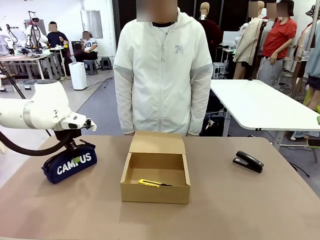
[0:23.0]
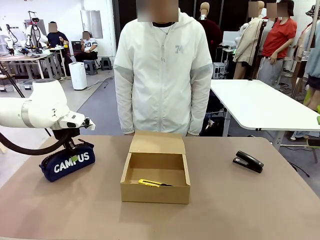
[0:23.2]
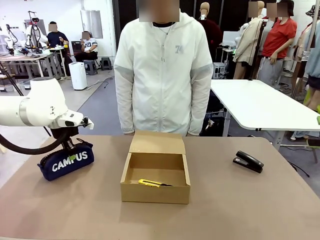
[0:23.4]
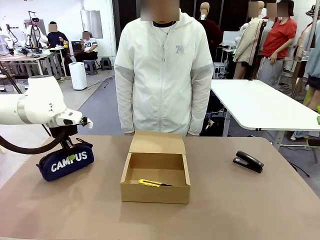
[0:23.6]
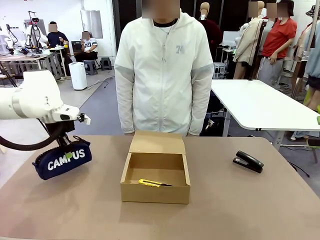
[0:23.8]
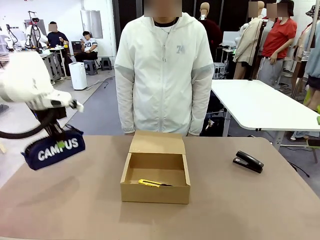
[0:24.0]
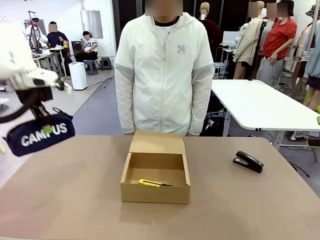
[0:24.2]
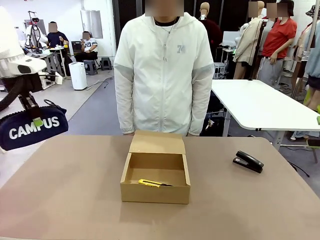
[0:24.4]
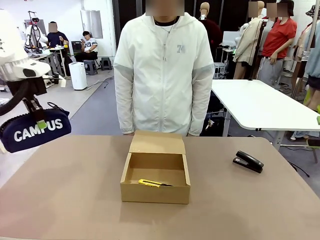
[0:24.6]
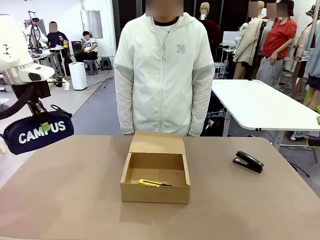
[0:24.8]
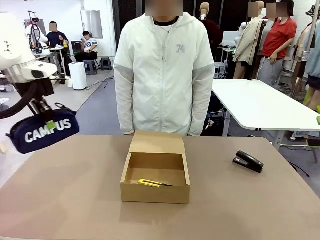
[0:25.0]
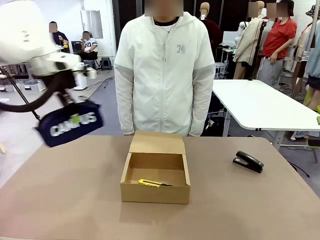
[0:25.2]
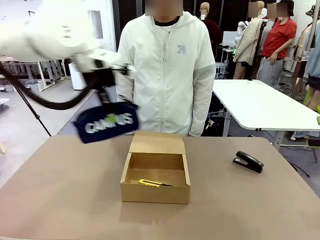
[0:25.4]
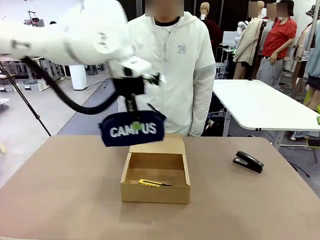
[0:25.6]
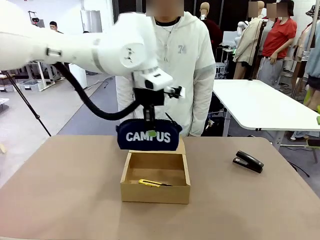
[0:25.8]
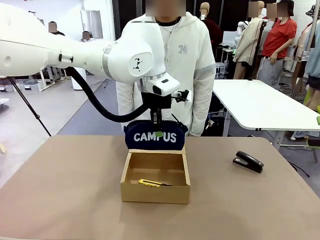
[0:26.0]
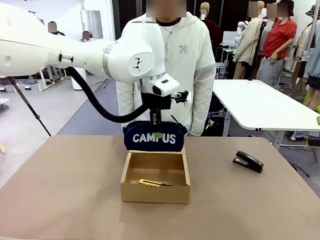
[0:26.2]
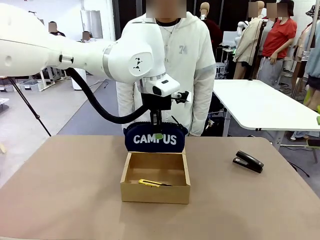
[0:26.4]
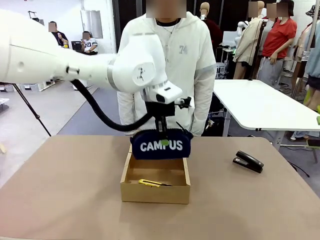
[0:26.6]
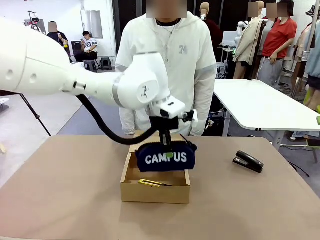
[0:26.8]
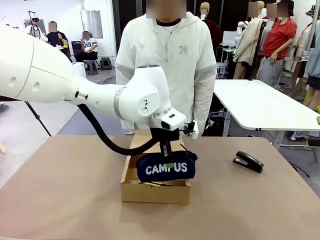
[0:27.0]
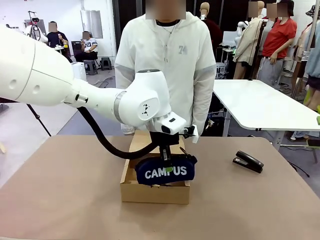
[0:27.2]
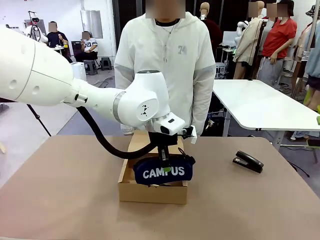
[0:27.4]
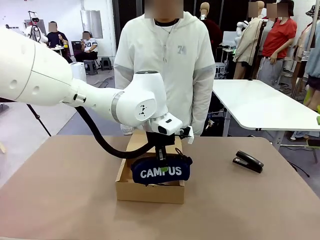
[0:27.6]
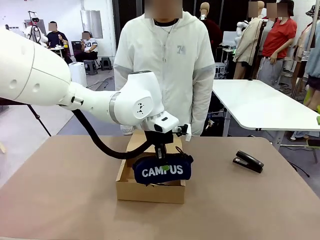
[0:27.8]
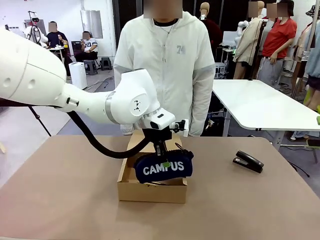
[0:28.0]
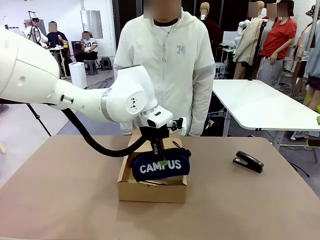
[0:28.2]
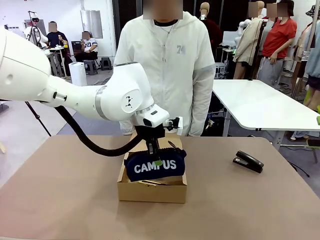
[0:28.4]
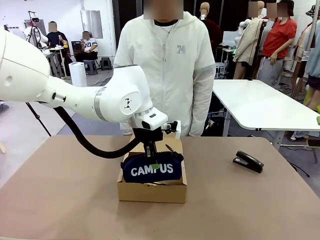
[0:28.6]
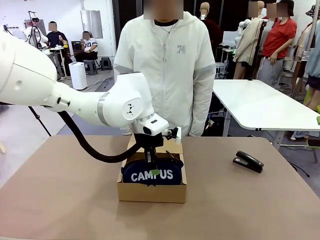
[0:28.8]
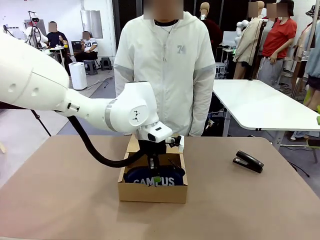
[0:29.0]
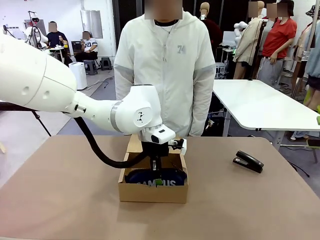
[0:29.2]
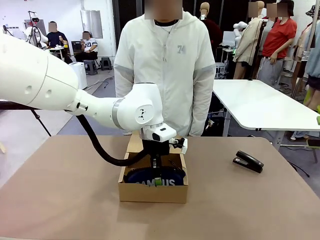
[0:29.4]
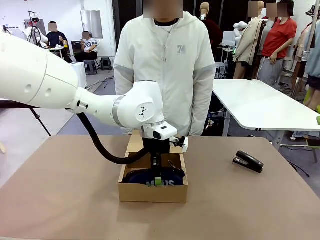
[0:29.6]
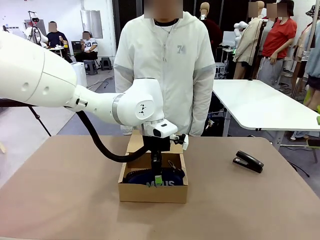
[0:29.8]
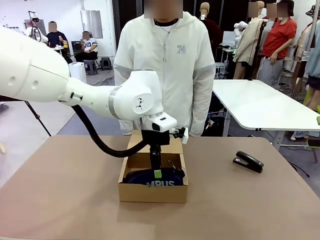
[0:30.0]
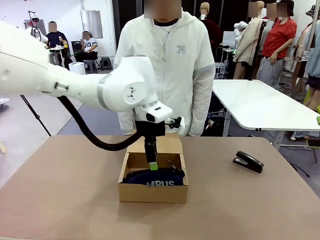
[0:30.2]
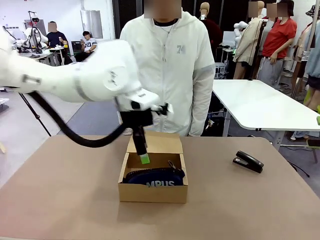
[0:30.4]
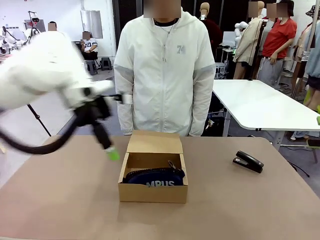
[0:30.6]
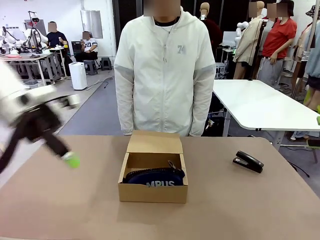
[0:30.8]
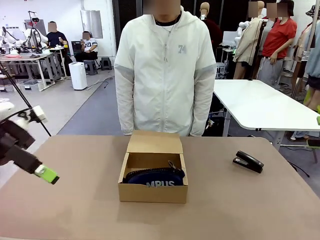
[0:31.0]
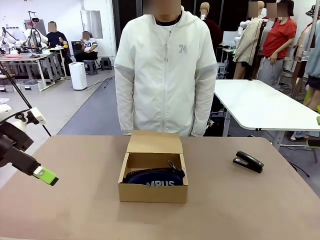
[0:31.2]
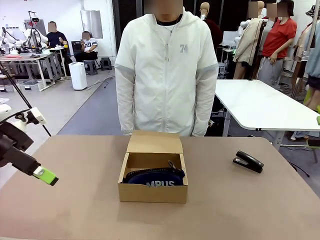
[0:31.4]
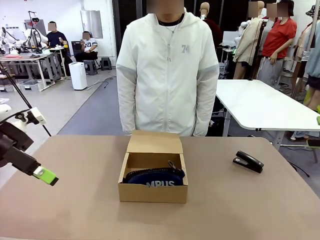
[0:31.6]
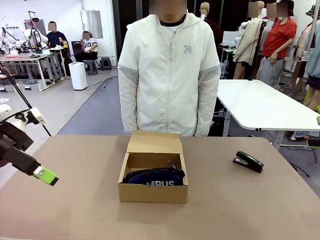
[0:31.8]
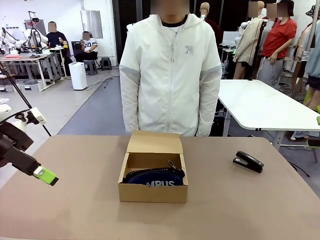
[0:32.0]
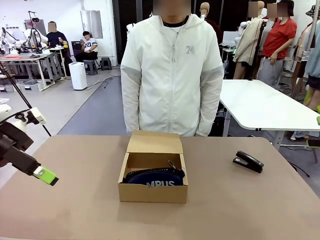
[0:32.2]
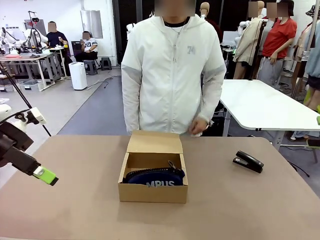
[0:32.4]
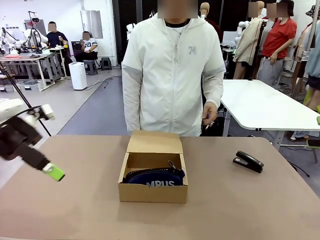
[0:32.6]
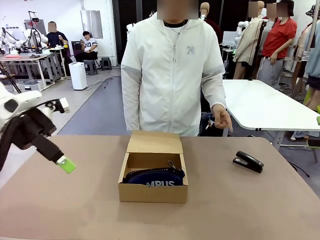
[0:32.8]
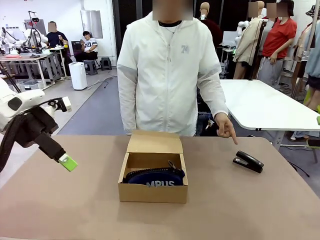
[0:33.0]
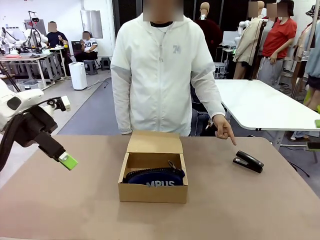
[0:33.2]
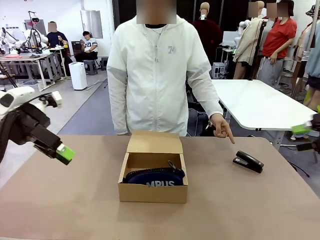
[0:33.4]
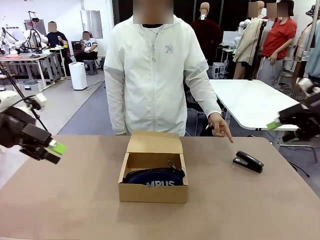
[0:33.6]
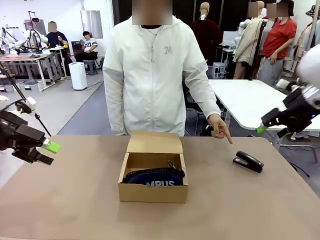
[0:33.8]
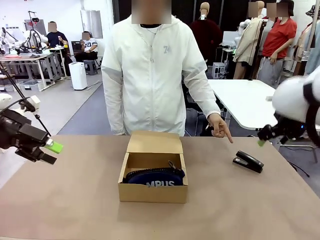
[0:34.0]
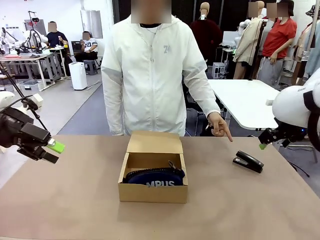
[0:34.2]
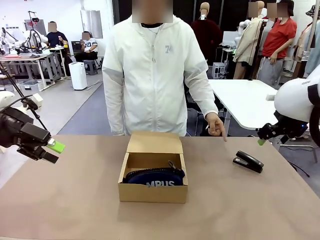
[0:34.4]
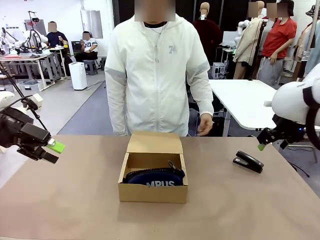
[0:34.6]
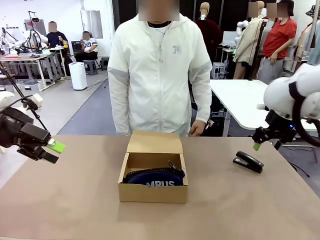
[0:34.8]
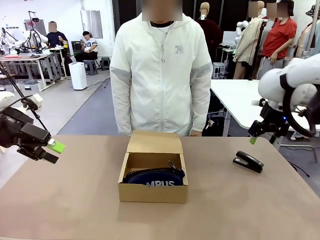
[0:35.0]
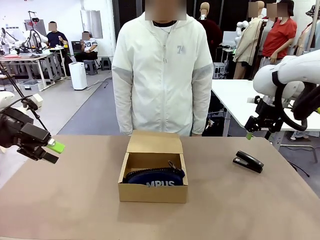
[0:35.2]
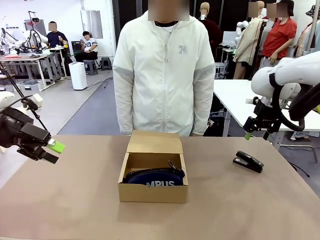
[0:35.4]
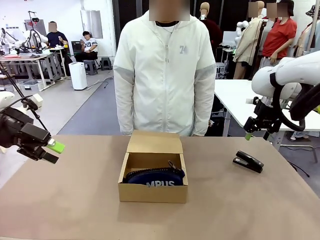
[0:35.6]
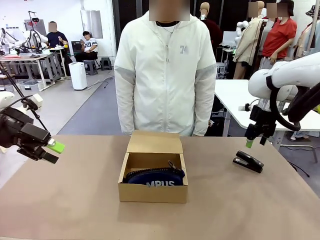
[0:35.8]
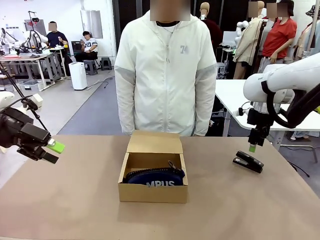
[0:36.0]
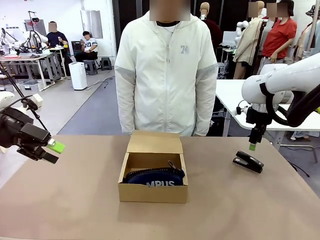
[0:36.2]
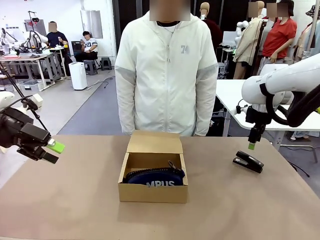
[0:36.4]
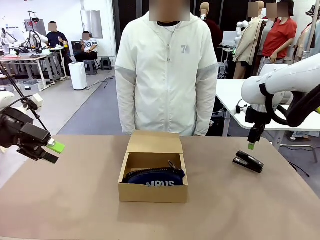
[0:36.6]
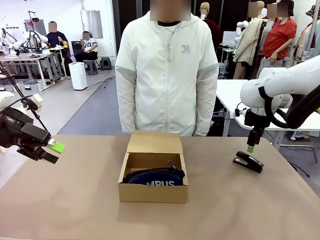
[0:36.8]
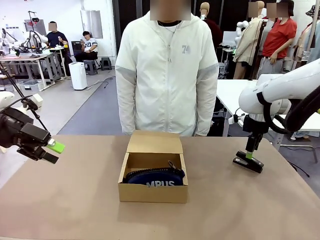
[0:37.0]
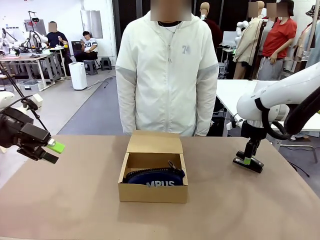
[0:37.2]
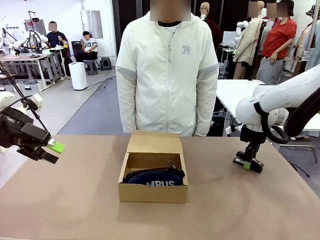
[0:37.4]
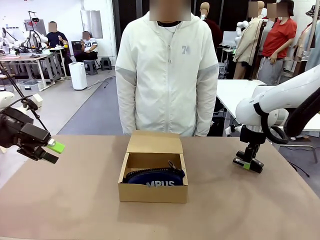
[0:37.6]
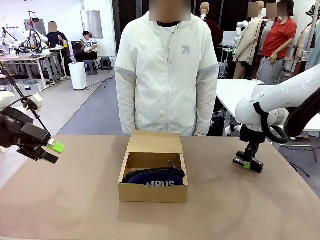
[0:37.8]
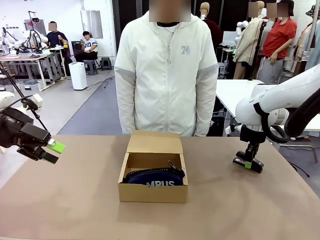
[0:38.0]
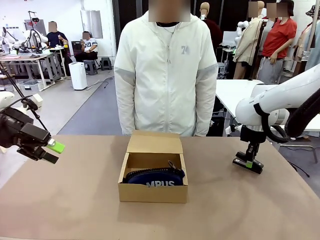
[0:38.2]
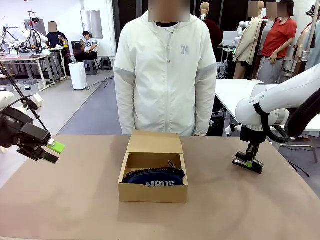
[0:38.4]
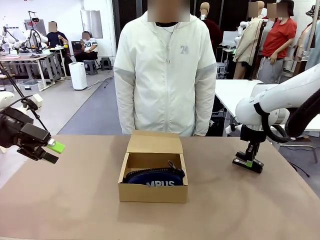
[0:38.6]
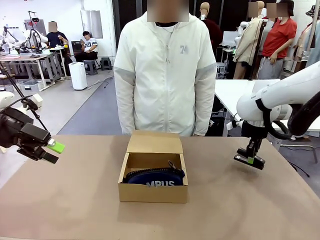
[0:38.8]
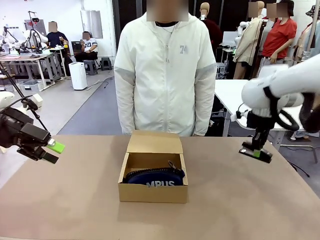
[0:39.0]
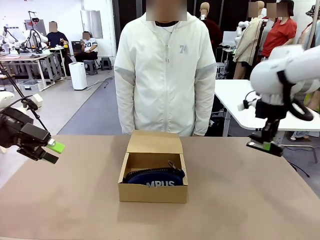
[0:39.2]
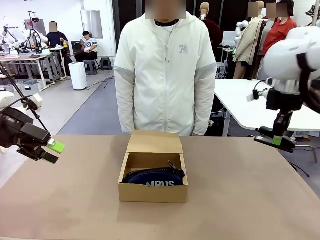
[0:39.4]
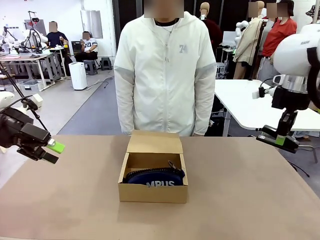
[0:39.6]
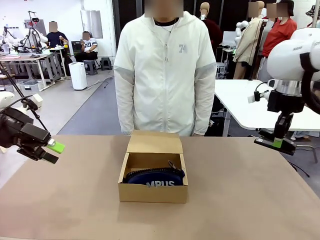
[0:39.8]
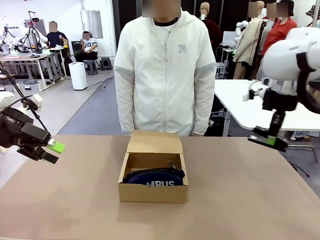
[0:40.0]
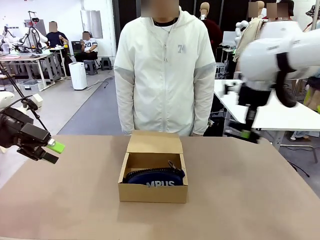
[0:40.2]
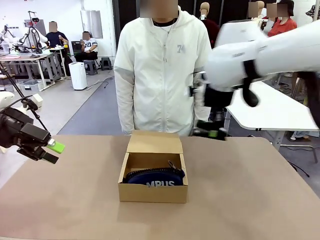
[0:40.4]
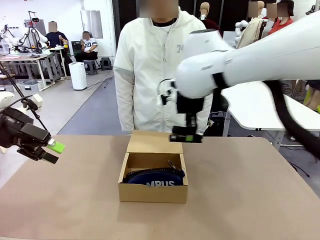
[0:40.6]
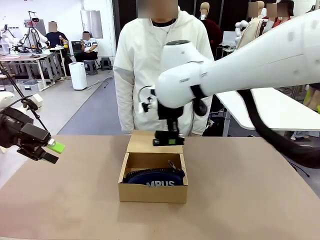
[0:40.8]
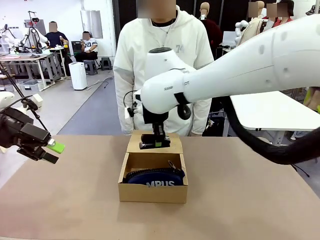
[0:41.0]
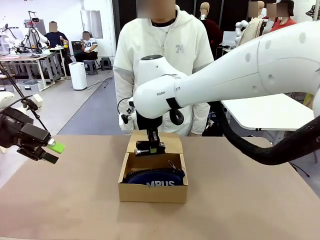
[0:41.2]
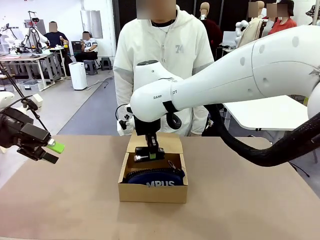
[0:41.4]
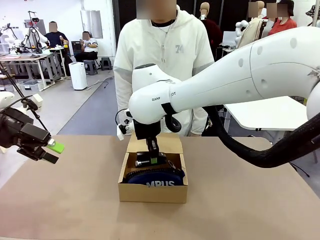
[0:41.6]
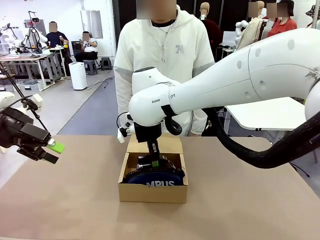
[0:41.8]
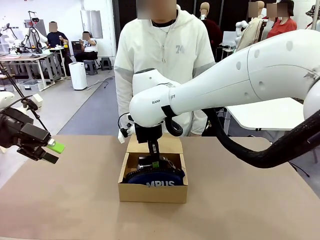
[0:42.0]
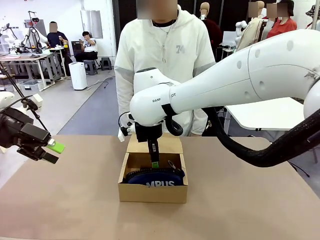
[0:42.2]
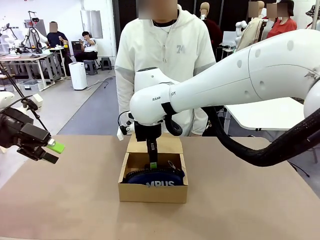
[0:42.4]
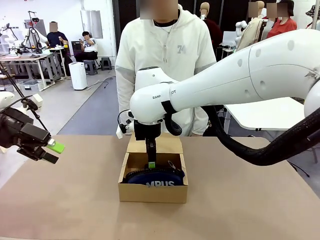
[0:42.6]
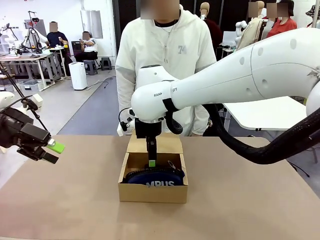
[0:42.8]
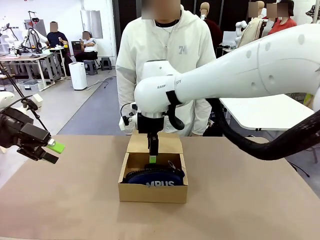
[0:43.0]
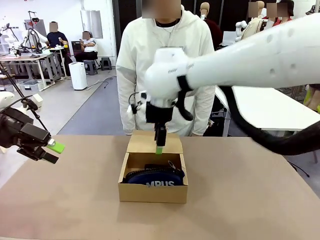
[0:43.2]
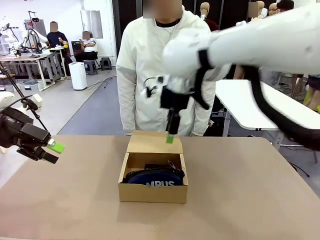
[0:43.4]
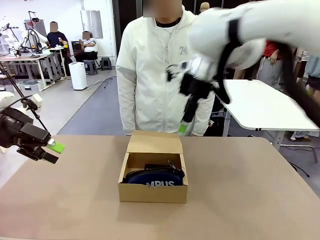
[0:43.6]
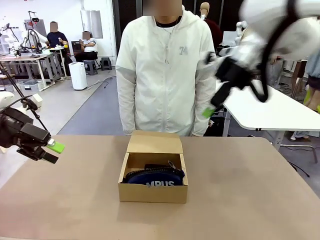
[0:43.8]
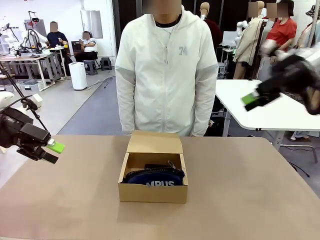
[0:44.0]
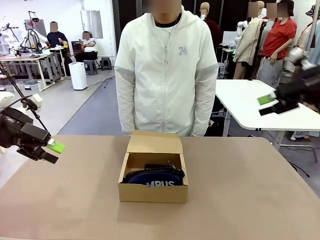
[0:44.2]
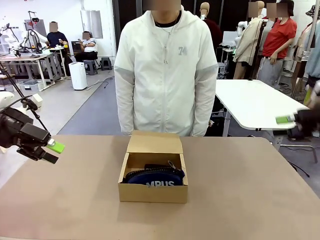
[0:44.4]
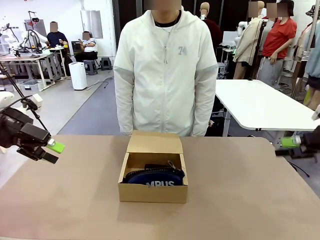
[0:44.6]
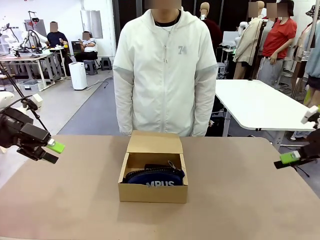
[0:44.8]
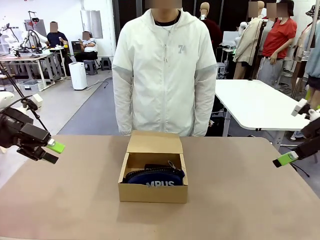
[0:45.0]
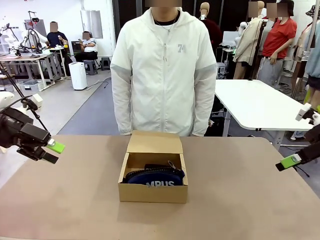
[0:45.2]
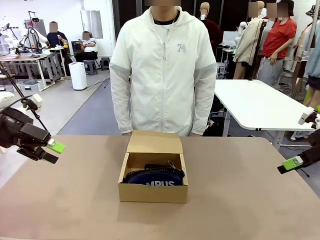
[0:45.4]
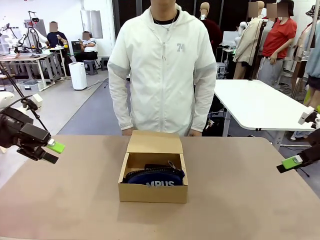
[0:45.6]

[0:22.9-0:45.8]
Task: Pack the items into the box.
Robot: Pick up the item indicated by the person and place it inside the Mailer Box.
Person: Lower both hands vertically with palms facing downward, as if pressing something closed.
